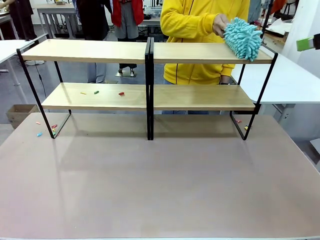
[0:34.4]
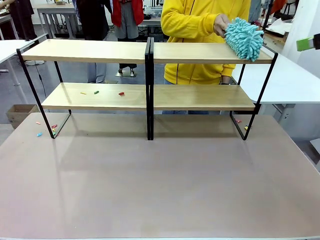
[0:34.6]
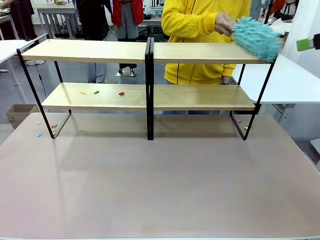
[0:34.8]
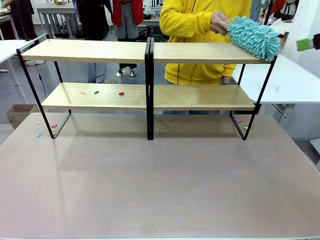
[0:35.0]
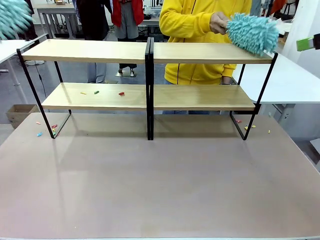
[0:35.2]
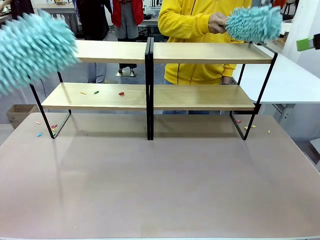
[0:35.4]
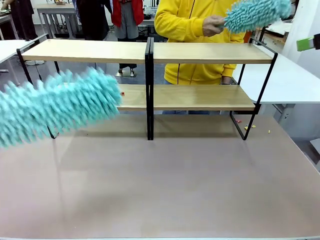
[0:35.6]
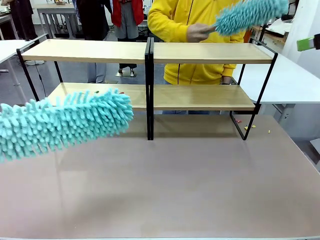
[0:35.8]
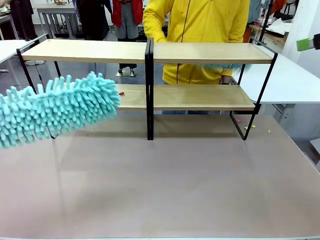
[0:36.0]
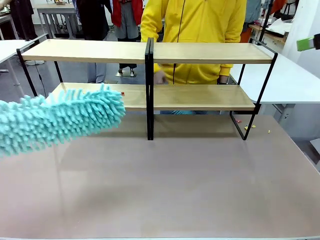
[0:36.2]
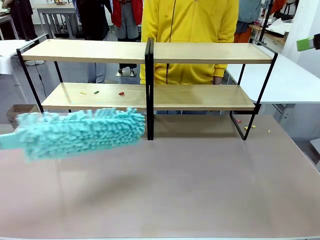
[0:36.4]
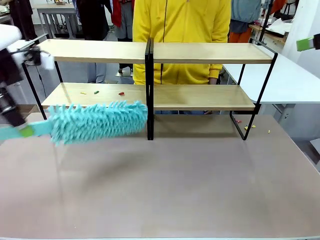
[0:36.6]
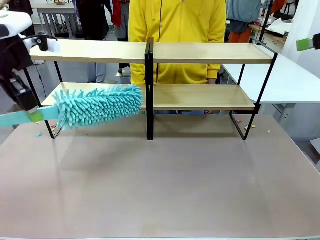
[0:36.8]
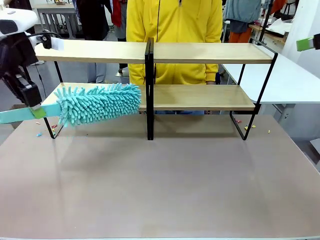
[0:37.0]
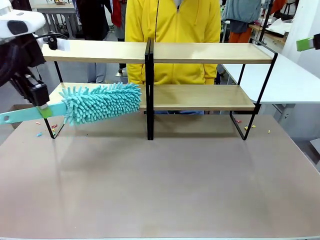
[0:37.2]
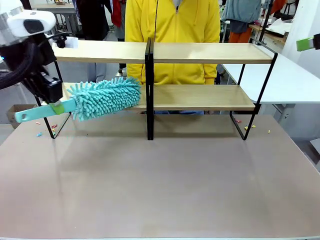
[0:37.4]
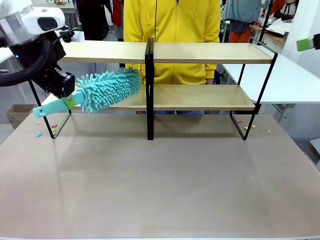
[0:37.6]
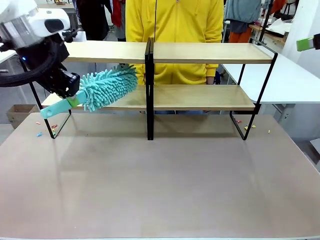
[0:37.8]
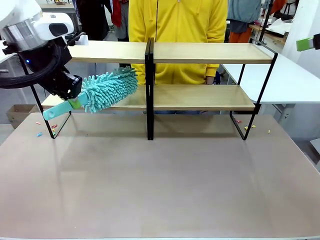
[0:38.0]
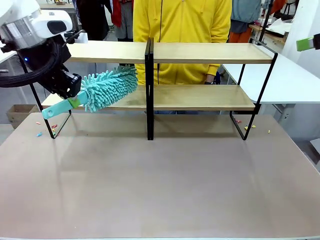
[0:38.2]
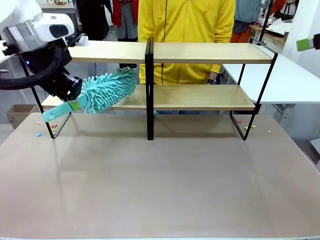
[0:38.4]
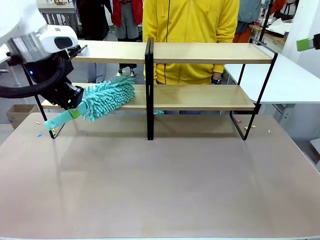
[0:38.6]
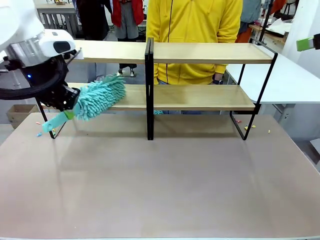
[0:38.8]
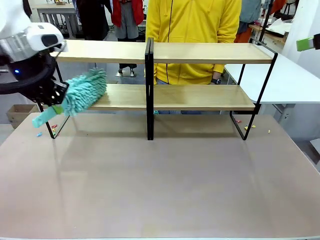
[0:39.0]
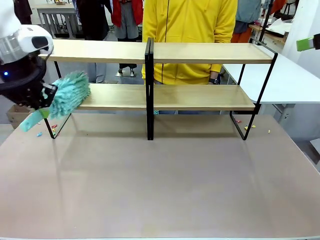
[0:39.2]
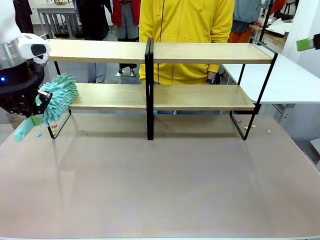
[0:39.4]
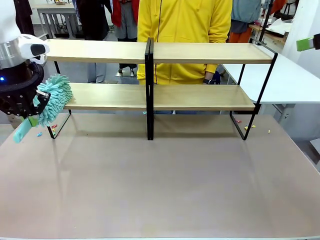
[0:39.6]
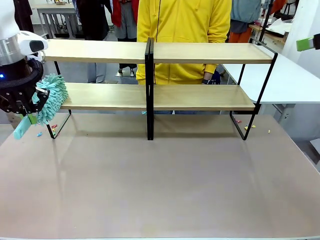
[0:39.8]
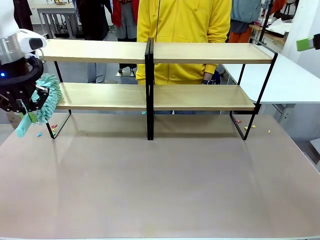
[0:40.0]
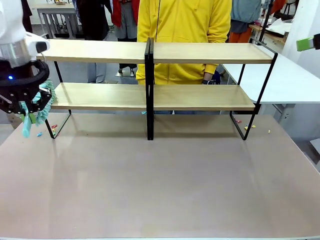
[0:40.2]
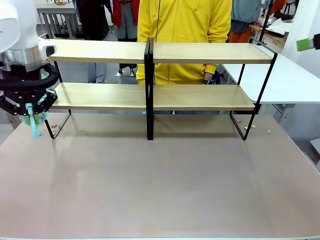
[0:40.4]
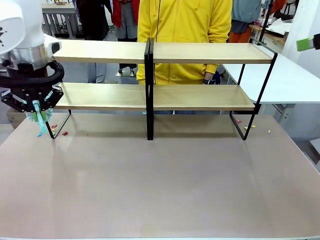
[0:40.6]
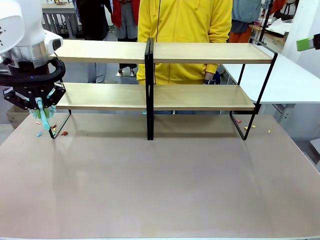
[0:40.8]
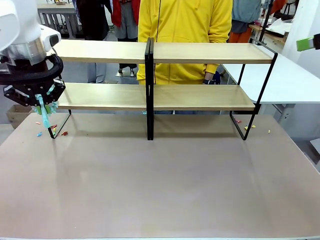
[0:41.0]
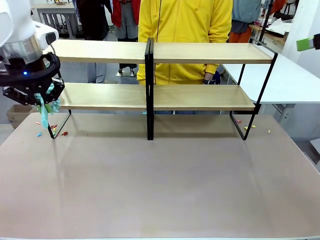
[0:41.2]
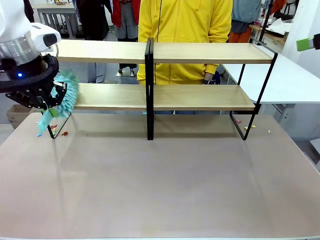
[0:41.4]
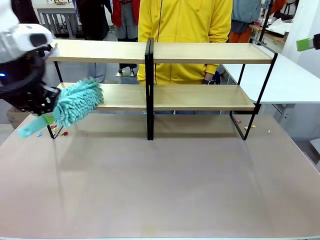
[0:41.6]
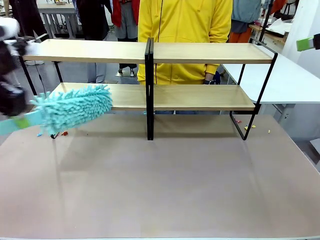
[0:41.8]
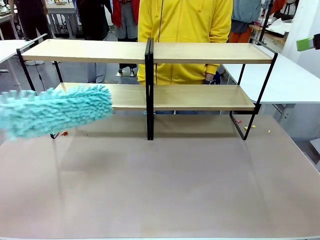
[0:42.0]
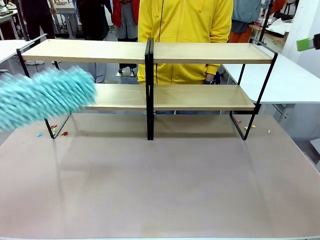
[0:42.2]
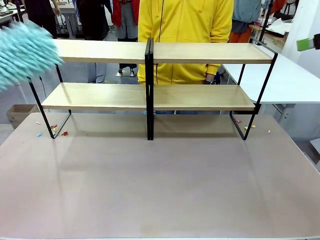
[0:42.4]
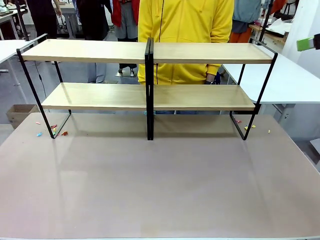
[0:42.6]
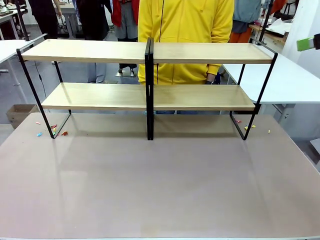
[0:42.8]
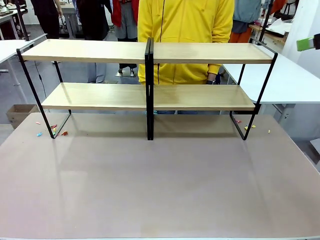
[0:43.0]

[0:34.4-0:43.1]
Task: Clean the shelves.
Robot: Clean another randomly selected level of the Shelf with the Duster.

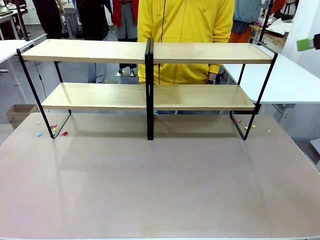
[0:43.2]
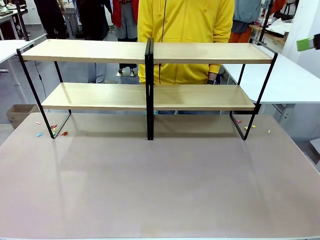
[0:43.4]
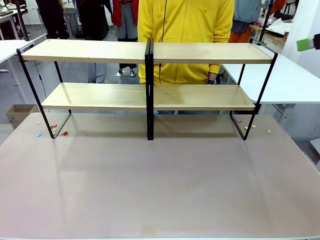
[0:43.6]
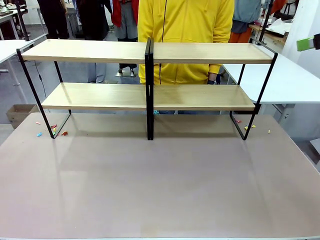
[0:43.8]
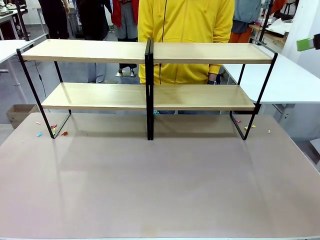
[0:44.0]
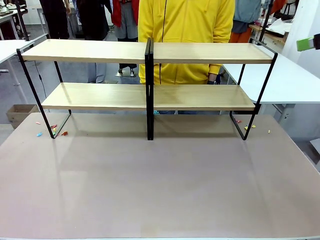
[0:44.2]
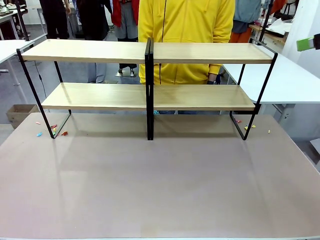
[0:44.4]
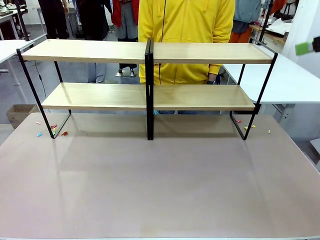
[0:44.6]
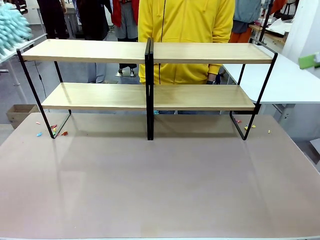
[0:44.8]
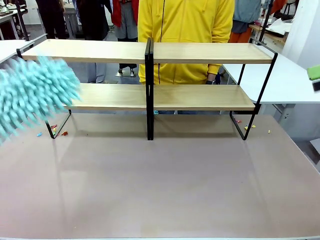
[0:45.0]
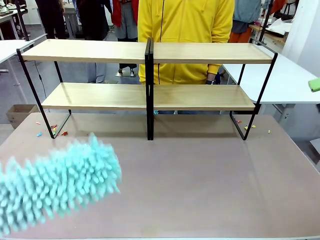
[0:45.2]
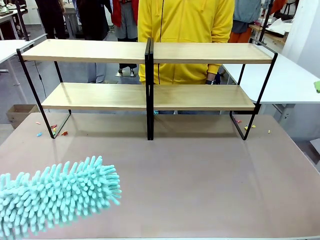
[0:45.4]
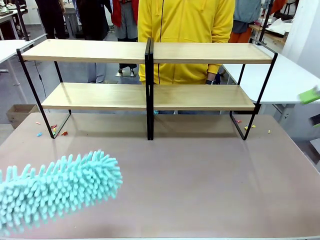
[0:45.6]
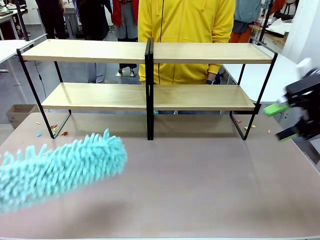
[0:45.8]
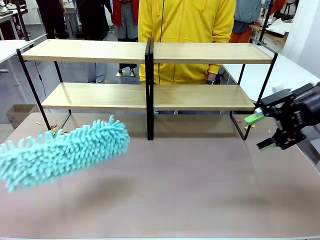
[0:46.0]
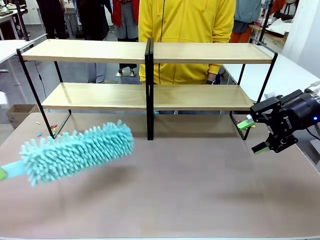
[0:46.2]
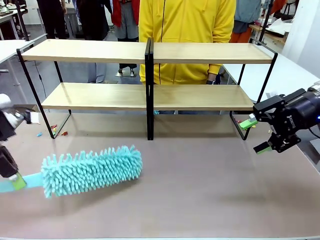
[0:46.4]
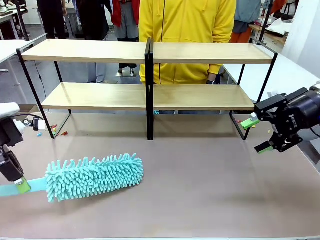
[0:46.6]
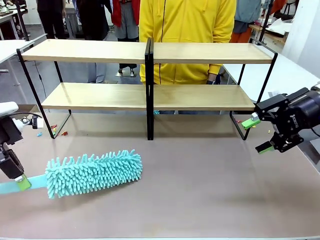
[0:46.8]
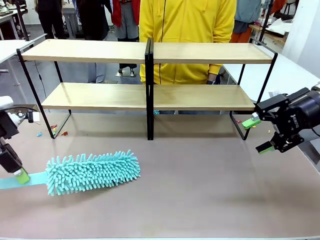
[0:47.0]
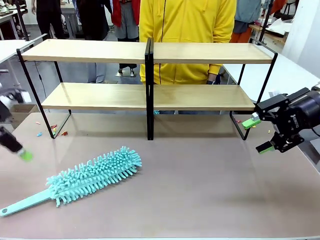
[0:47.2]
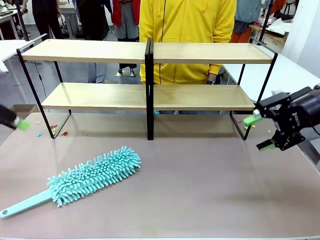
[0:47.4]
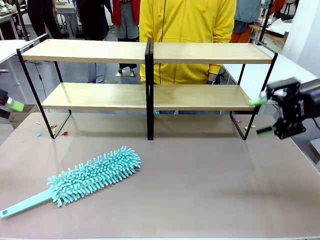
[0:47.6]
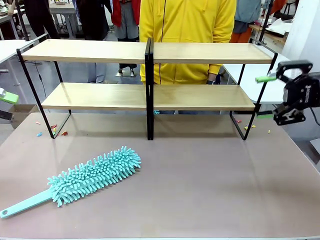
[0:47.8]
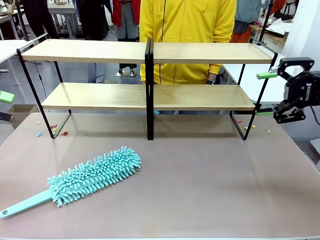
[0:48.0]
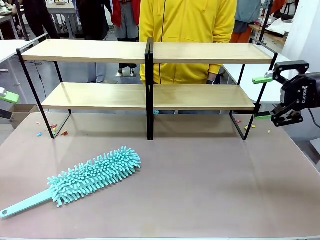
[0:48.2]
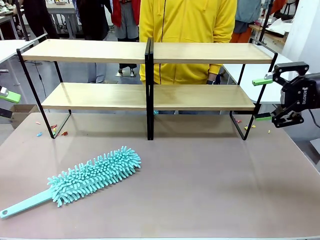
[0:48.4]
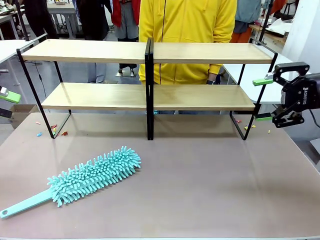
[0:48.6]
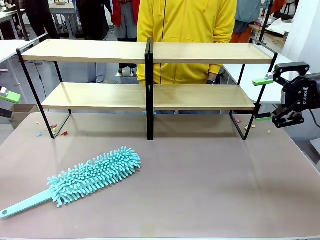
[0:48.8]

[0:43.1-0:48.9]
Robot: Place the Duster on the table.

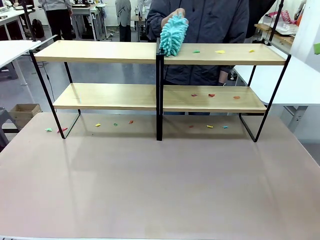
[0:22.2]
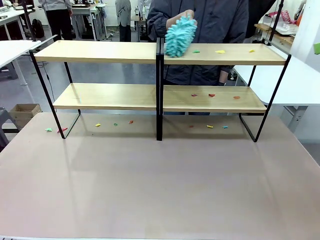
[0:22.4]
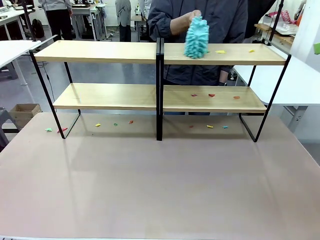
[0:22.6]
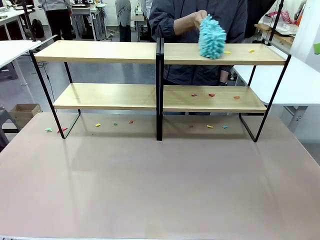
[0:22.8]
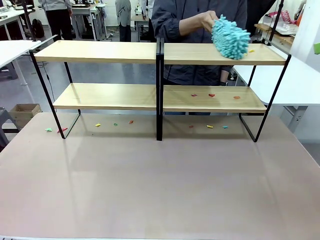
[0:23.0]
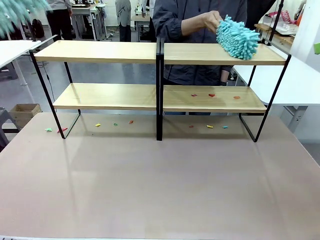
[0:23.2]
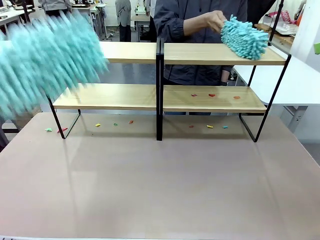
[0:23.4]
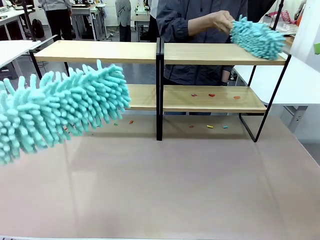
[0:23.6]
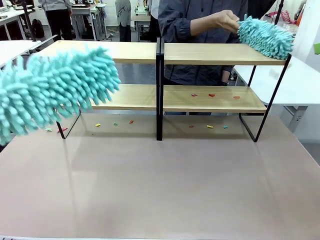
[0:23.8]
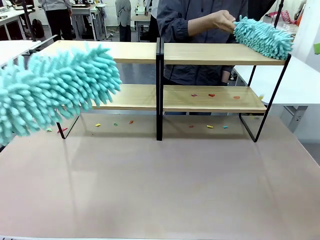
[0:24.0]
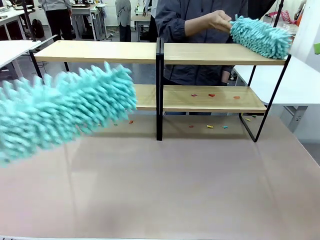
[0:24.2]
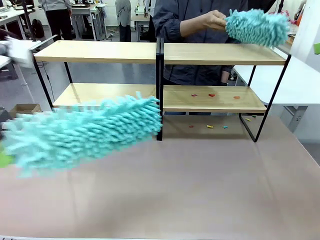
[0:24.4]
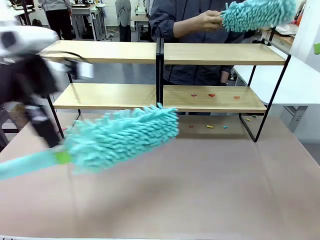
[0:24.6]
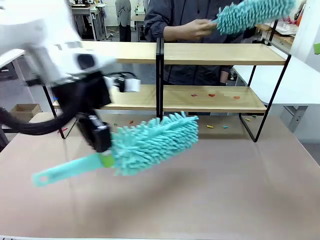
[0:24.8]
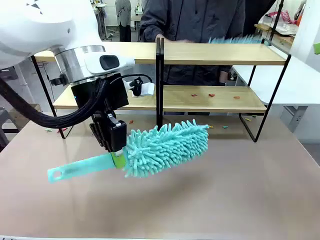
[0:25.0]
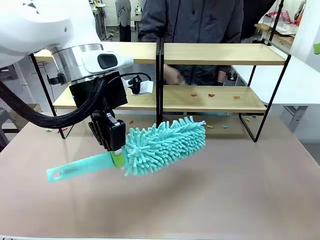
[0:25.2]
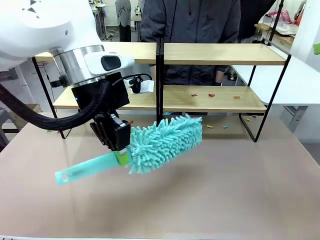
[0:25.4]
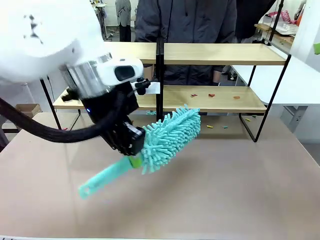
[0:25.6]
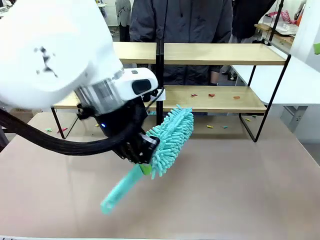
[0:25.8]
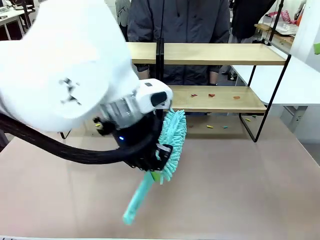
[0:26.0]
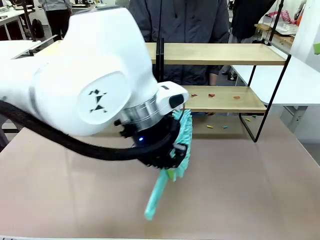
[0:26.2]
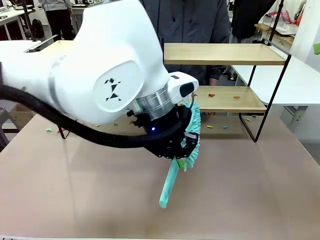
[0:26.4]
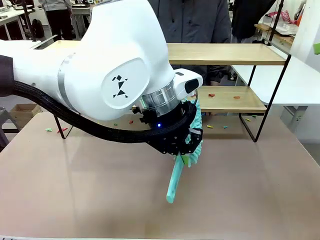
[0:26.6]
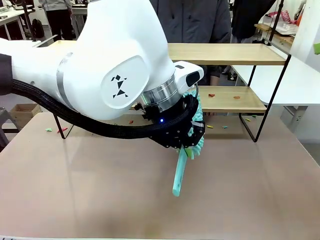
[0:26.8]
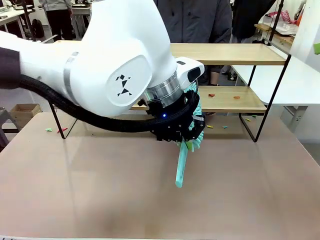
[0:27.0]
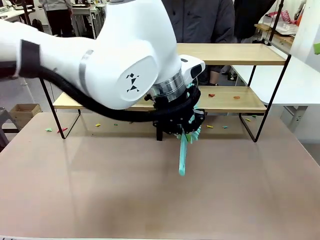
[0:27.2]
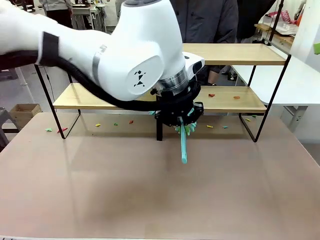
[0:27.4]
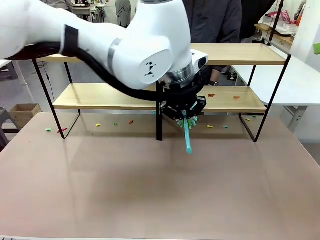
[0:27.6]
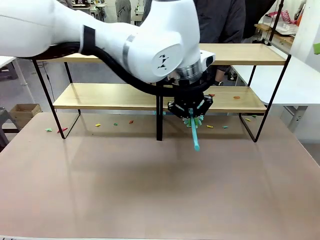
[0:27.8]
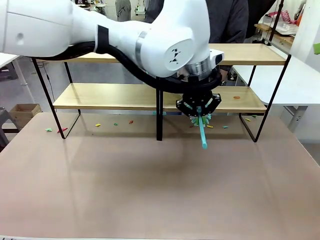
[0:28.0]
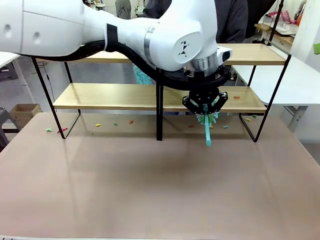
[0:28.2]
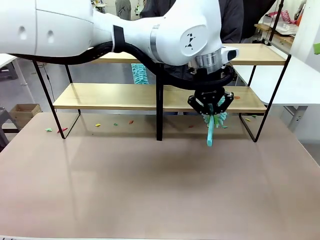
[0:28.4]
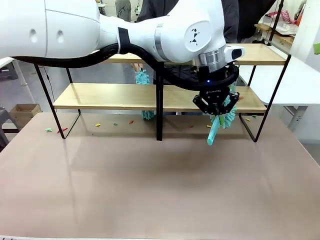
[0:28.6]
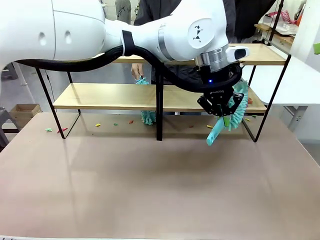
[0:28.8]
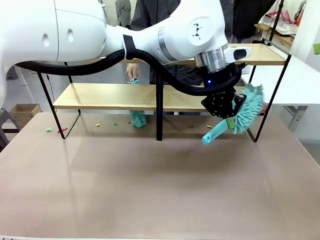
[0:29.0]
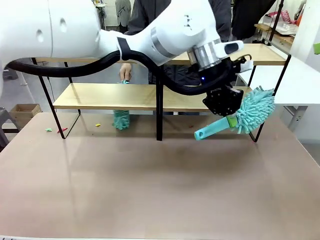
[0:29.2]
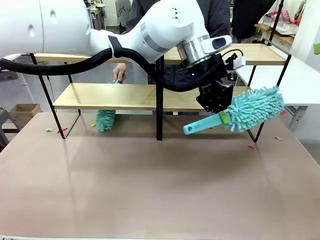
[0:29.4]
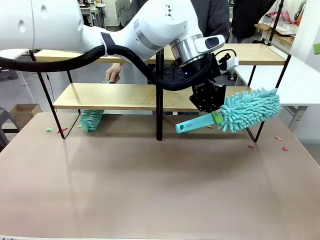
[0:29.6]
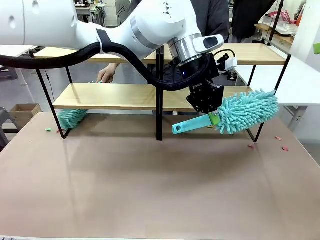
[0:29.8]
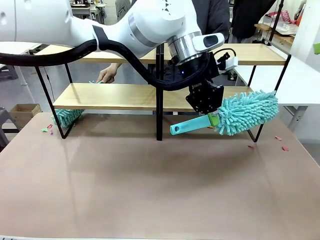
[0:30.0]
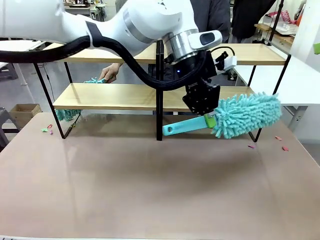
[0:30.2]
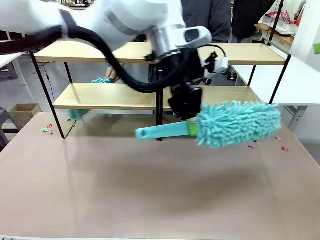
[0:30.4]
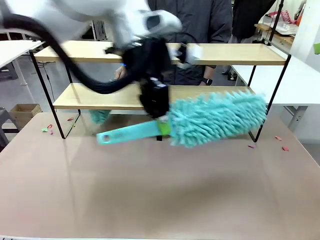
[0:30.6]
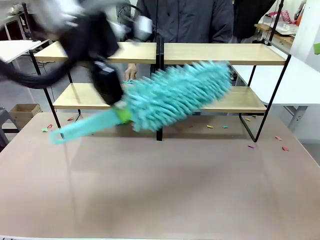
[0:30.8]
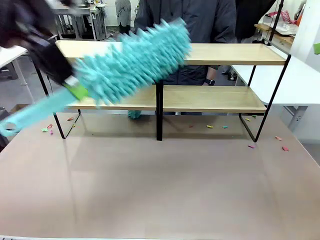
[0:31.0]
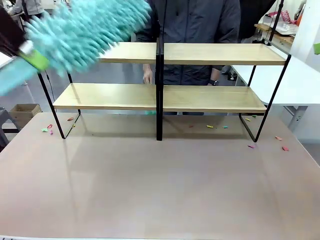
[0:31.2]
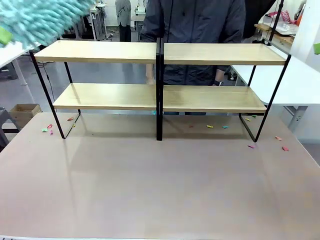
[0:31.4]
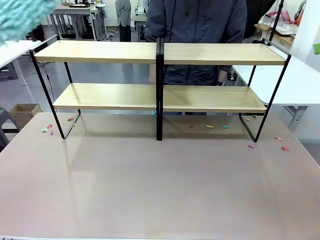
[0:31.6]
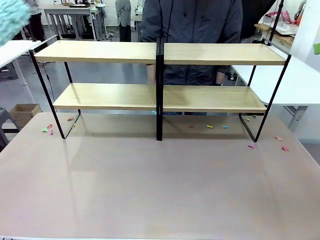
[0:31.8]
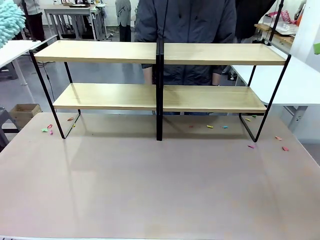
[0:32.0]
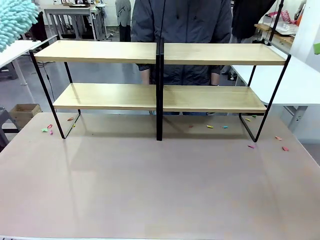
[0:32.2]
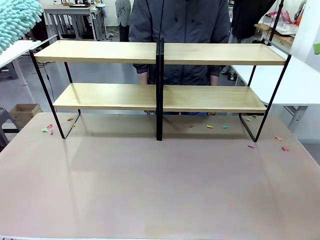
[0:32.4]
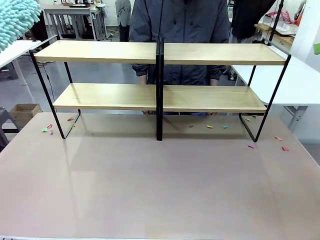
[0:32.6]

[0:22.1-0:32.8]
Task: Clean the shelves.
Robot: Clean another randomly selected level of the Shelf with the Duster.
